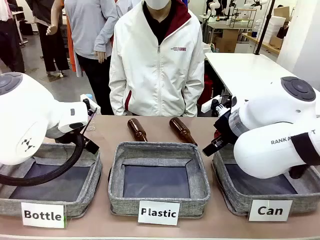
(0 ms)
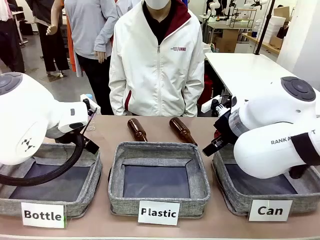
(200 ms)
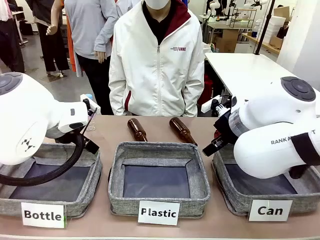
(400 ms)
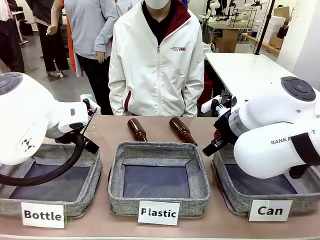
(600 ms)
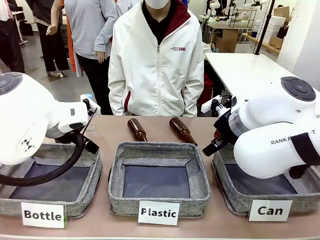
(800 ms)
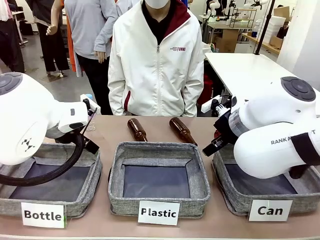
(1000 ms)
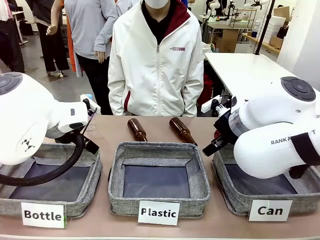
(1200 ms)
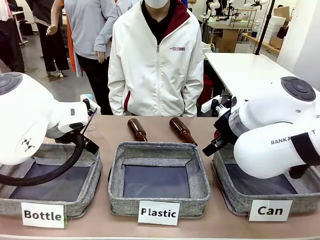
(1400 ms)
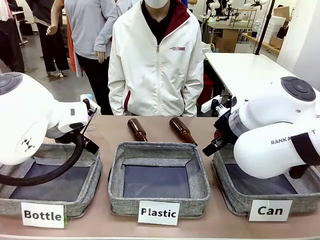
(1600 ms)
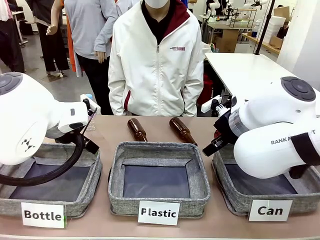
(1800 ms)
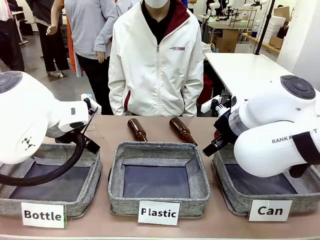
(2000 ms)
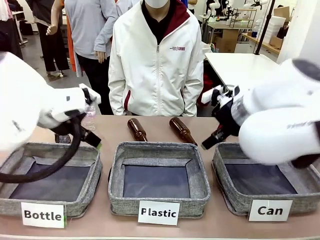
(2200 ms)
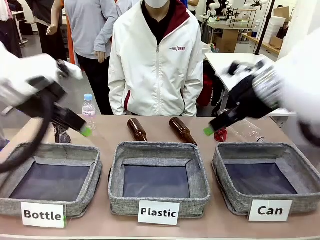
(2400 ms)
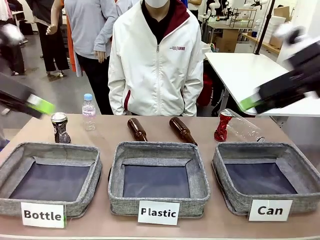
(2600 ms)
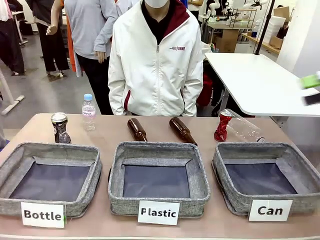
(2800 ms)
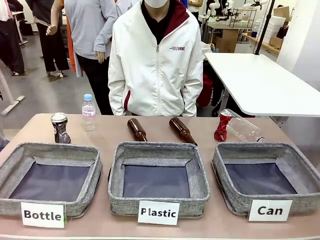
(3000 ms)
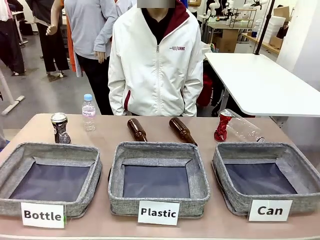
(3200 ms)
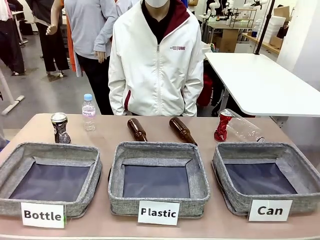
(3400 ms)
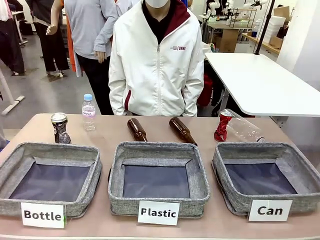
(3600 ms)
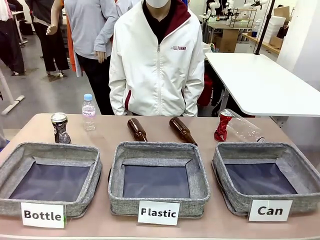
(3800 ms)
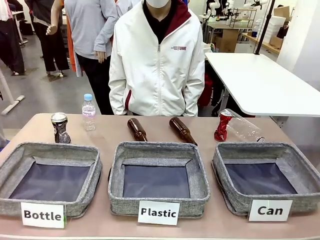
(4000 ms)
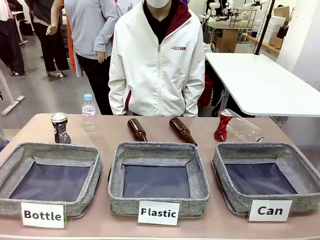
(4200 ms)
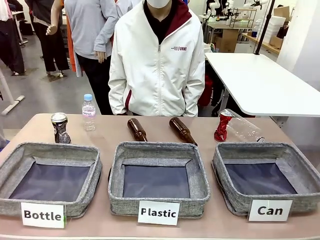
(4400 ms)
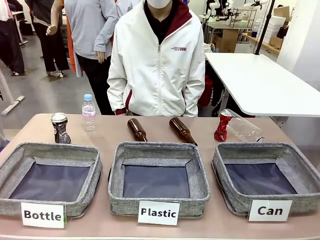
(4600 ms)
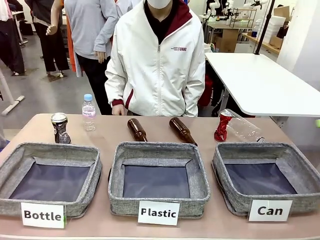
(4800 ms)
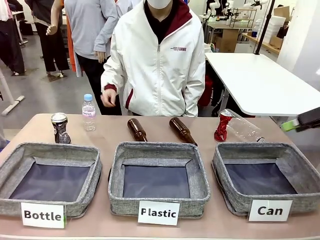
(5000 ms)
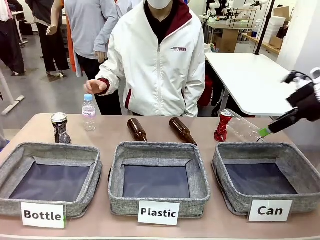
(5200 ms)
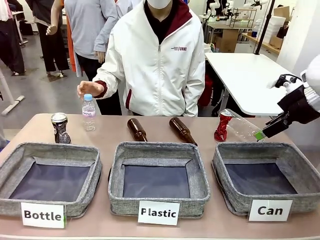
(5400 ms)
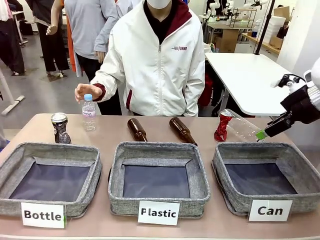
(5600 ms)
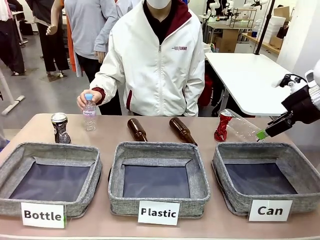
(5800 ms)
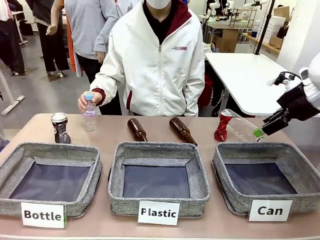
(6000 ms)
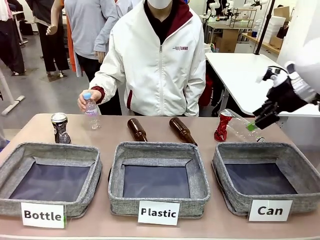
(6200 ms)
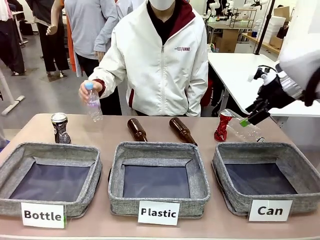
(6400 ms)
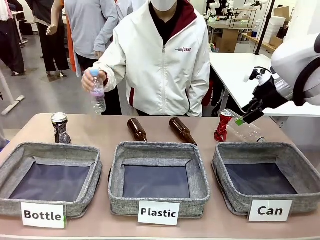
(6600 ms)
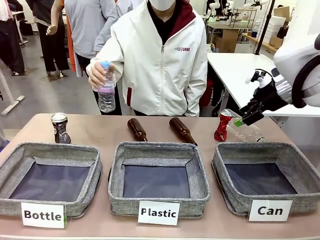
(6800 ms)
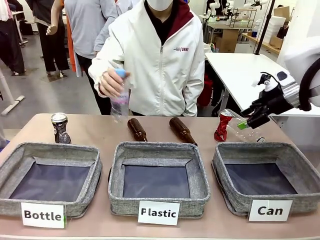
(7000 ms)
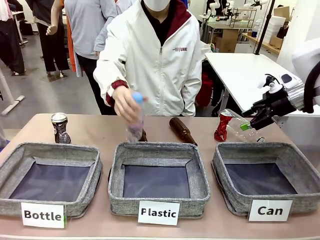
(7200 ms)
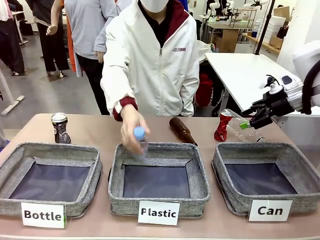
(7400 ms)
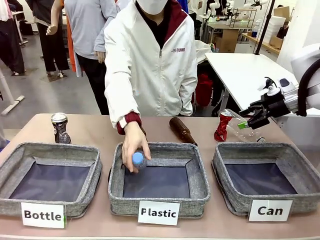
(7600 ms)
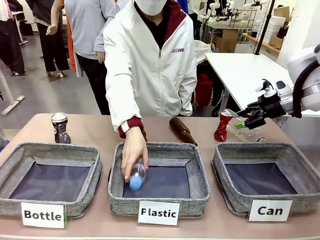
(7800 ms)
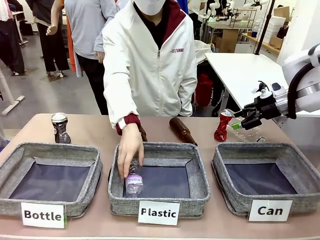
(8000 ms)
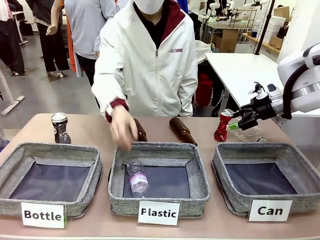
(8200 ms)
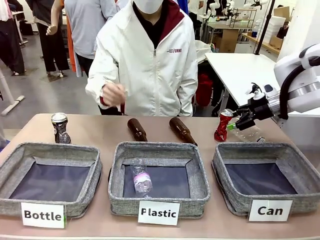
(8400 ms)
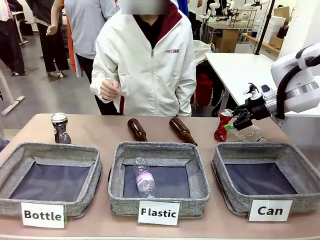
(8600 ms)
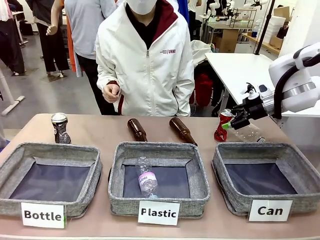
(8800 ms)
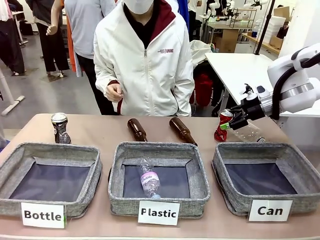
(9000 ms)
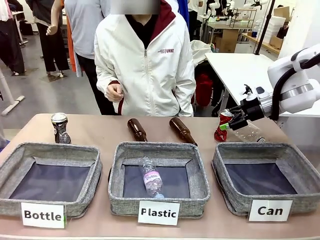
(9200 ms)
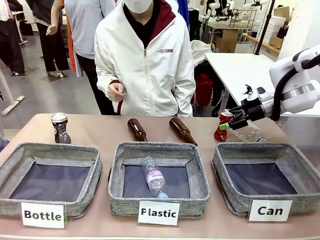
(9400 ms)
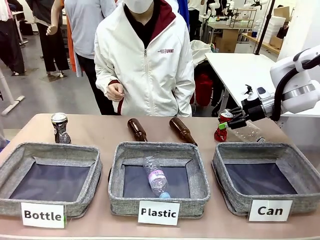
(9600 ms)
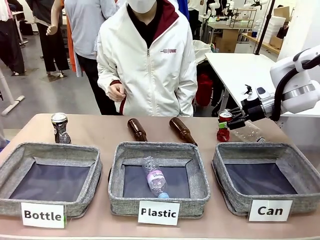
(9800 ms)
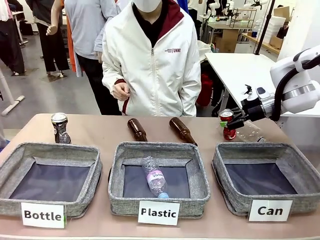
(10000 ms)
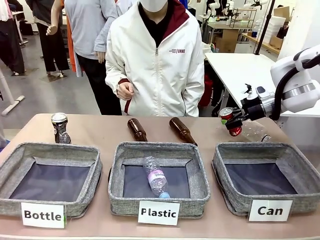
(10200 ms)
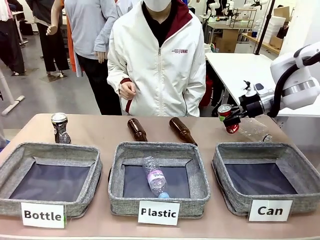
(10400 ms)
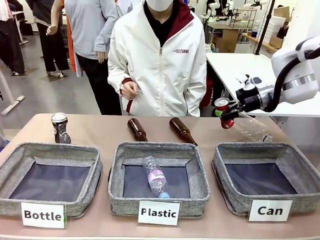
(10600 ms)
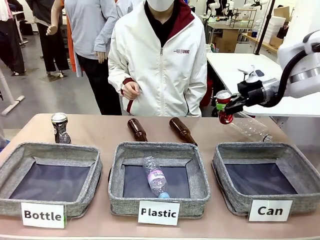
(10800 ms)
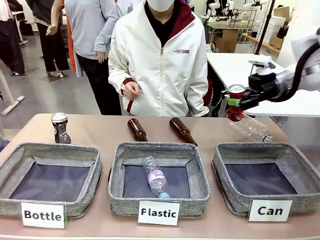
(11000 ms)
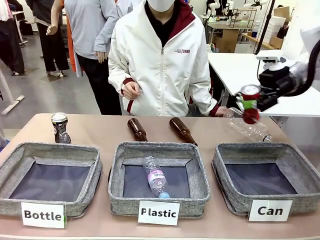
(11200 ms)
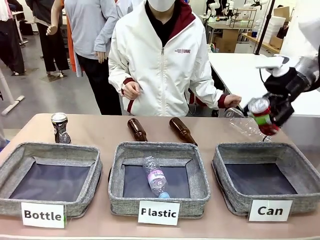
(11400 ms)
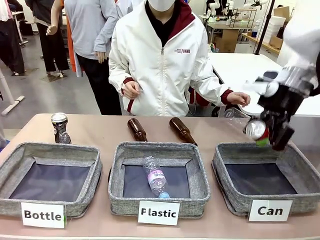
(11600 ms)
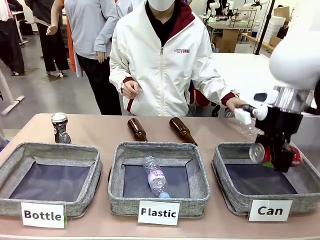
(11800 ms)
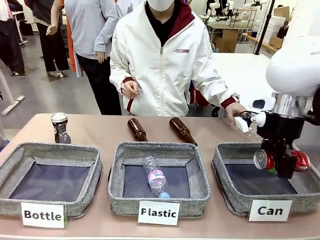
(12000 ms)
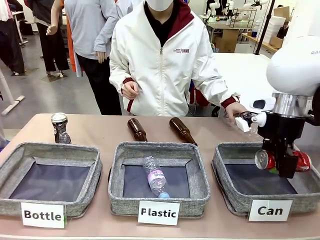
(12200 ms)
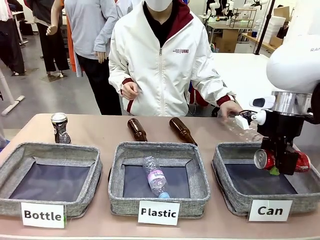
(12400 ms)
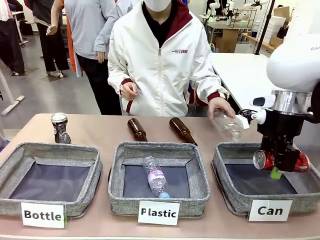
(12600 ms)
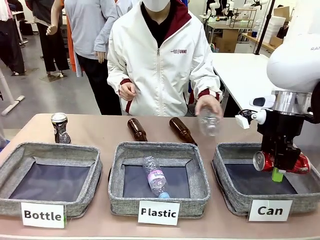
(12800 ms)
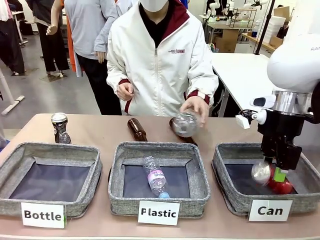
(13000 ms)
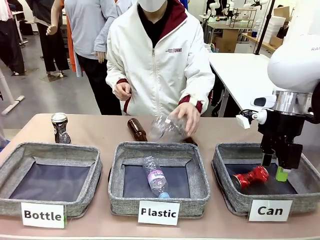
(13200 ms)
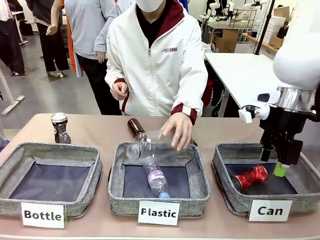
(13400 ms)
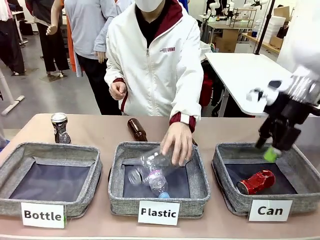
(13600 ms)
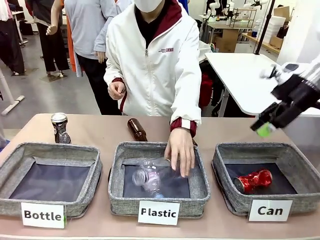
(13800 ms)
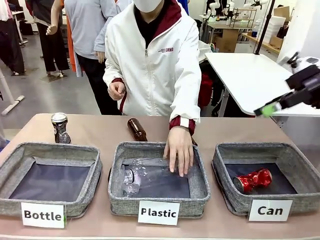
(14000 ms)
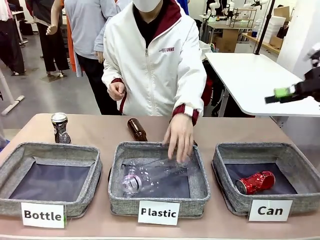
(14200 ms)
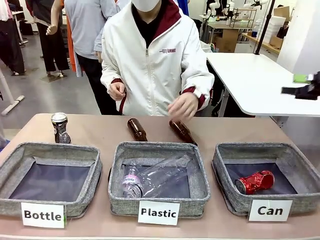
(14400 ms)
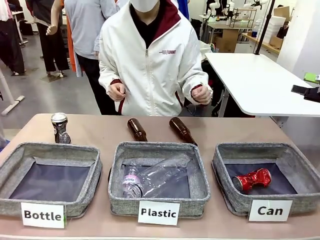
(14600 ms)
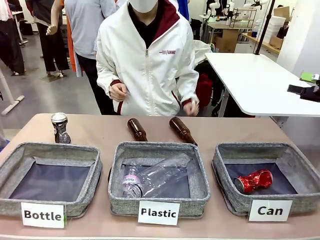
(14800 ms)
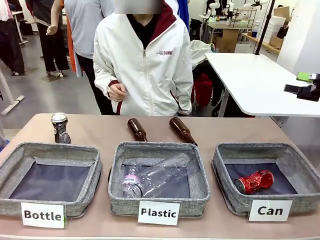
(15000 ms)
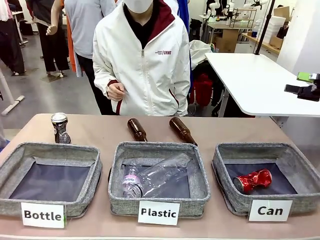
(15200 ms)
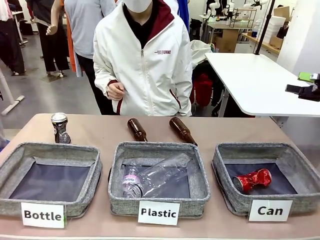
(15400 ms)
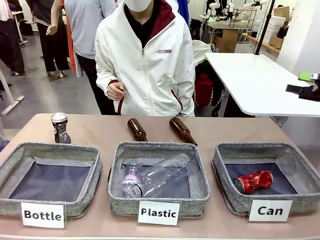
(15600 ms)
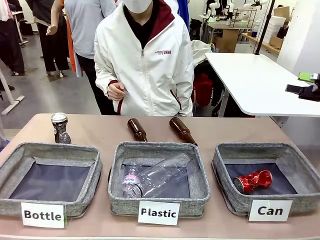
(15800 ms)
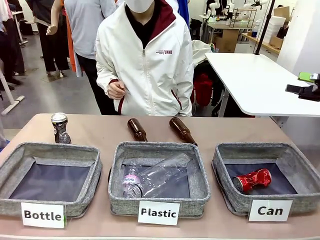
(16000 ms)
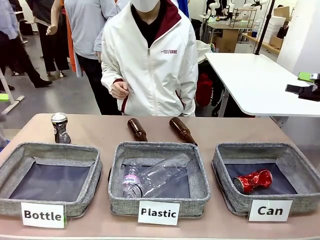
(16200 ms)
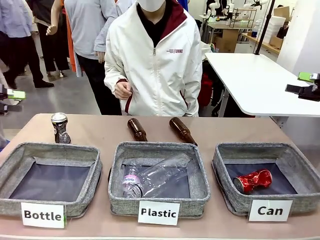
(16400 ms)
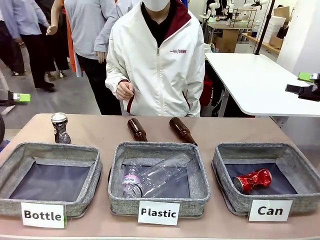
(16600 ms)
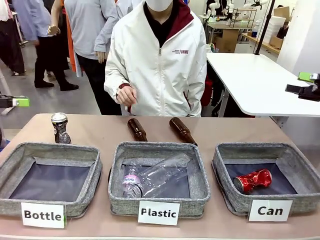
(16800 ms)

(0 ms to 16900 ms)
Task: Sort the can waste into the basket.
Robot: Pick up the can waste from the table and place it in the right Fabric basket.
